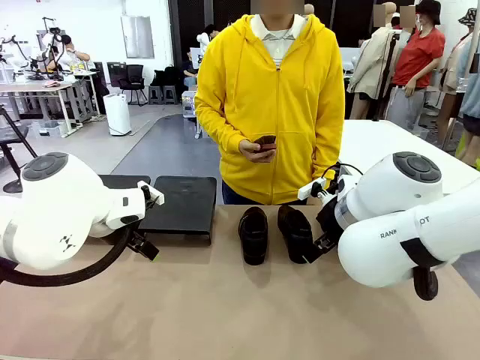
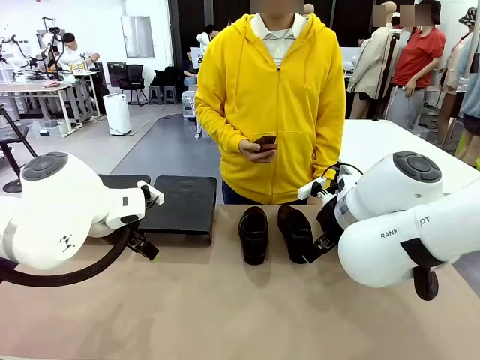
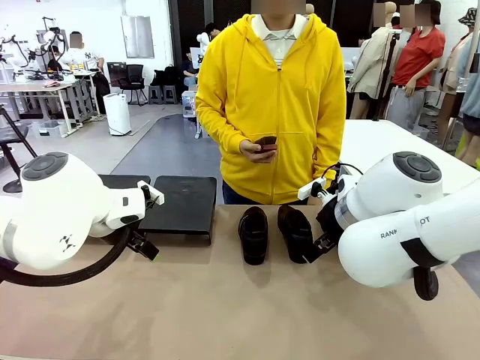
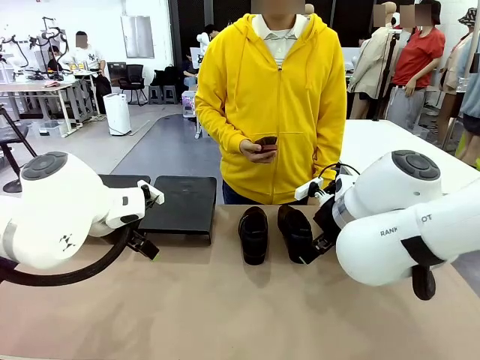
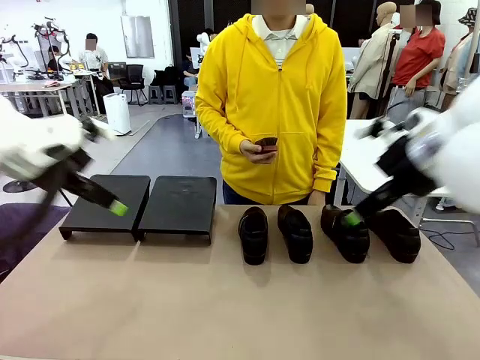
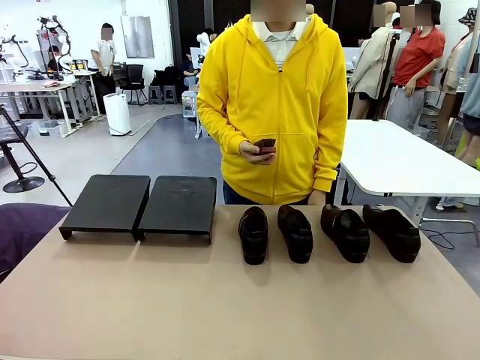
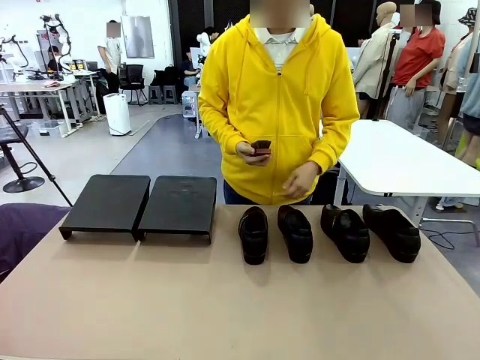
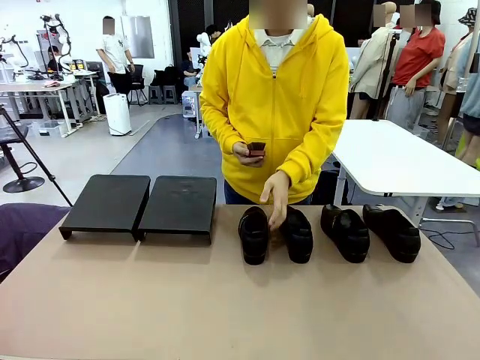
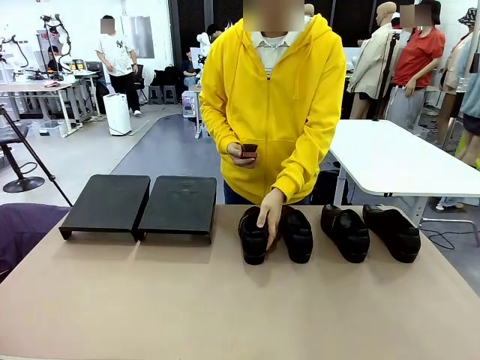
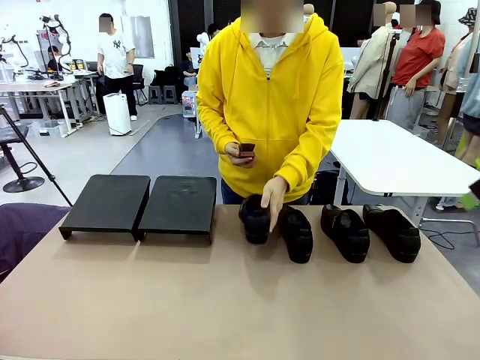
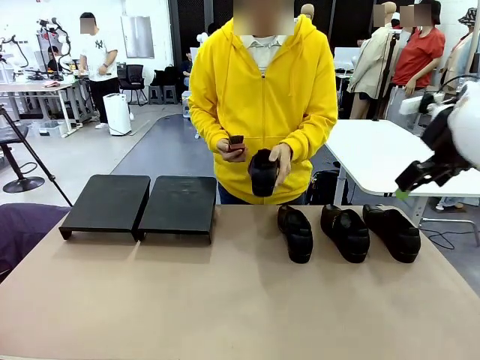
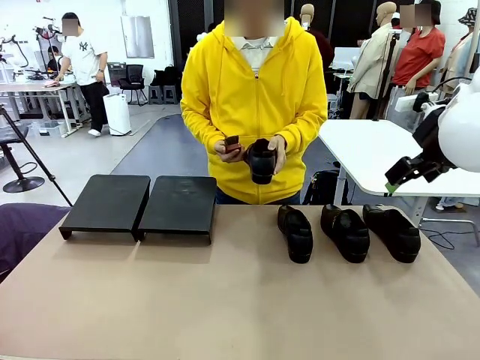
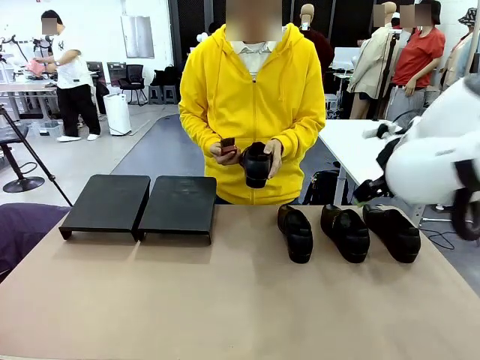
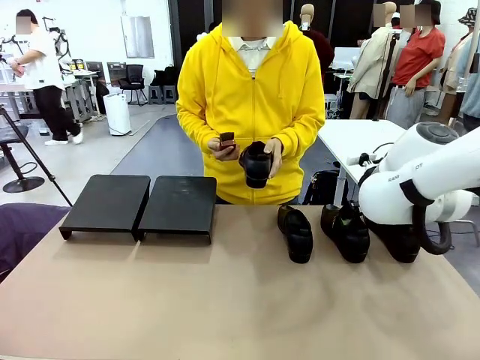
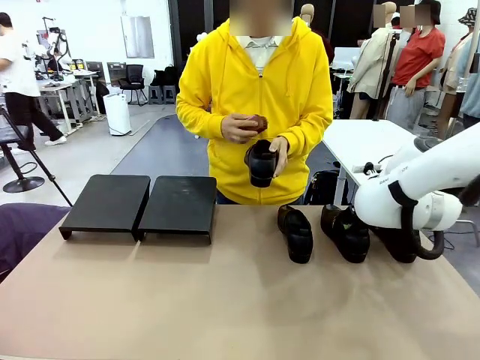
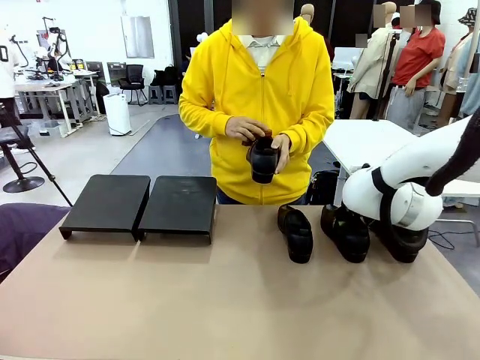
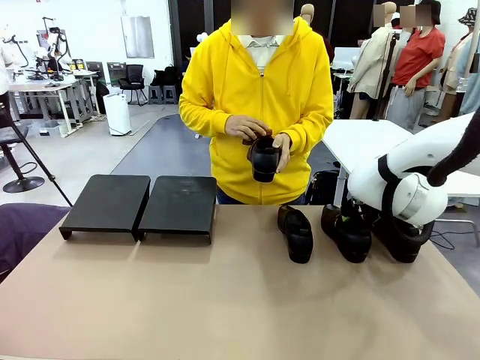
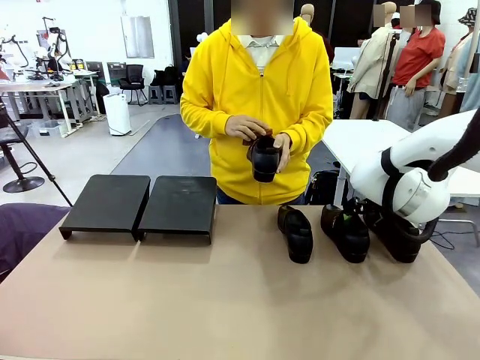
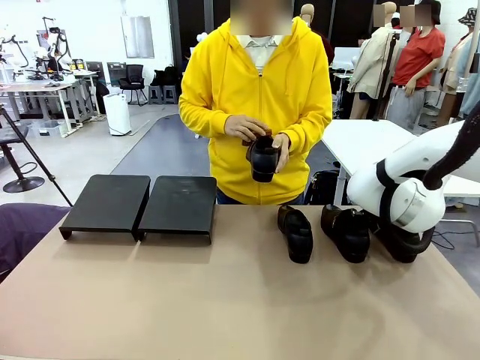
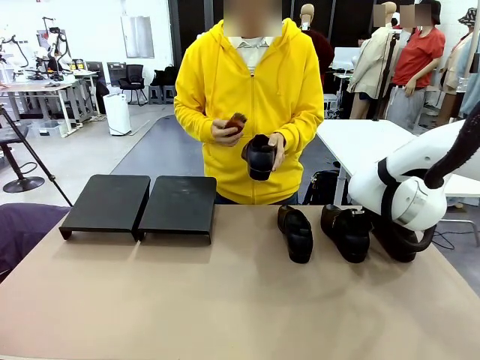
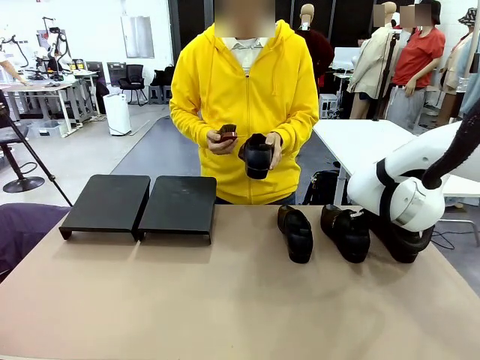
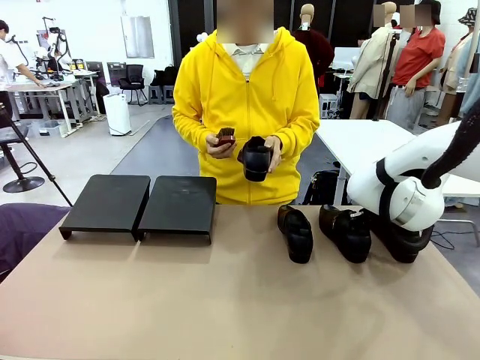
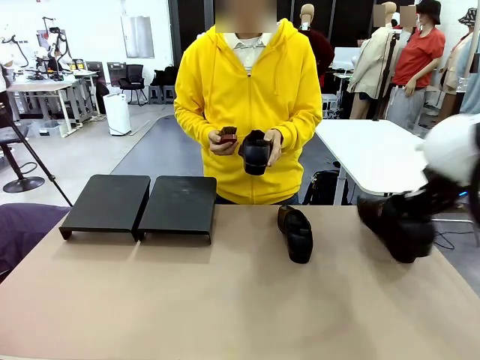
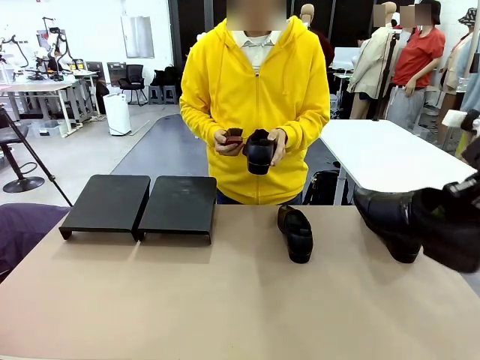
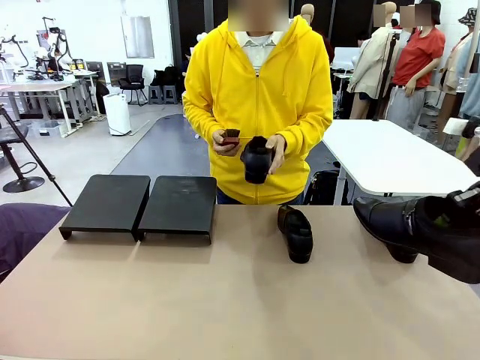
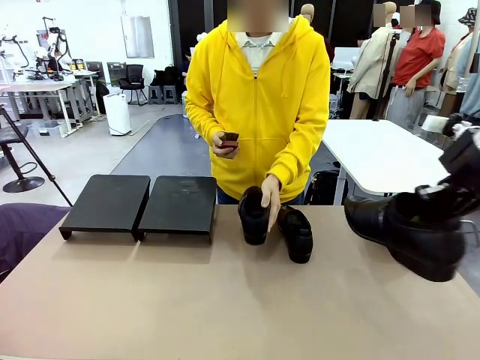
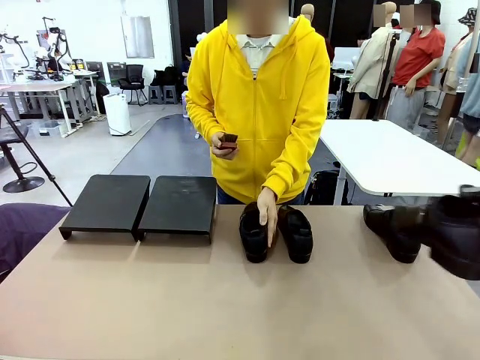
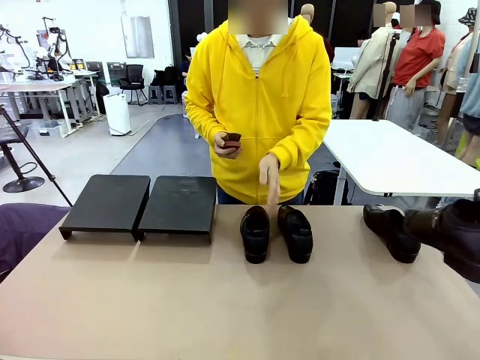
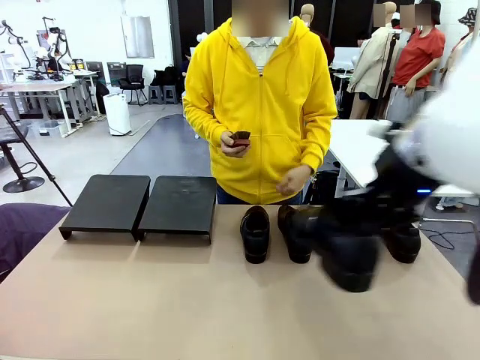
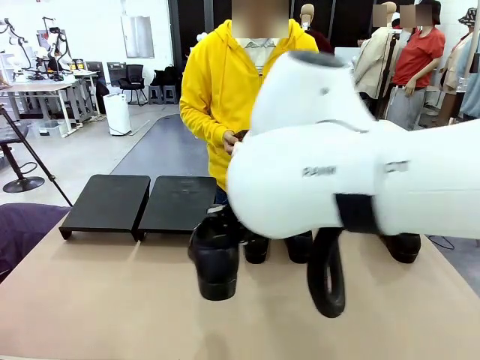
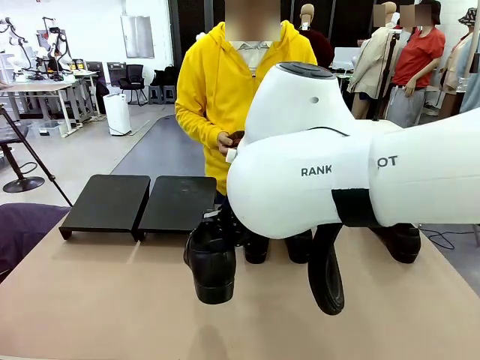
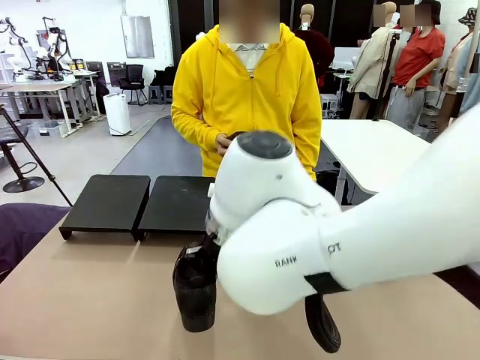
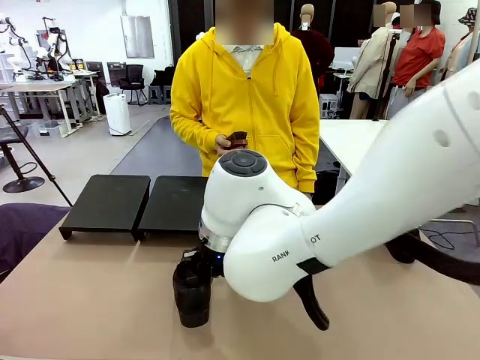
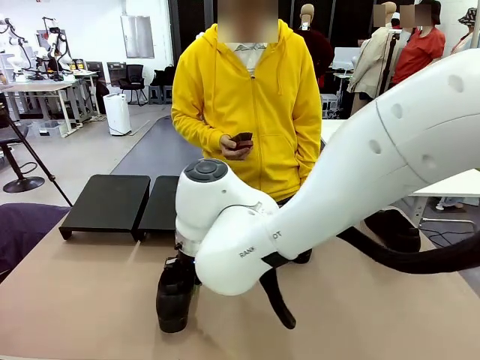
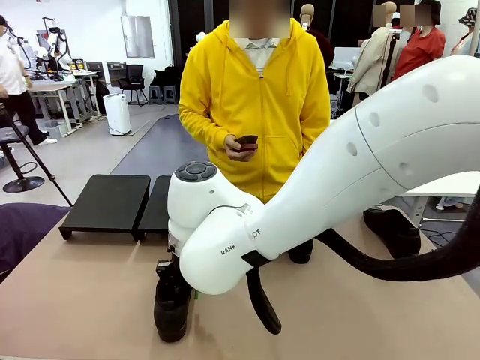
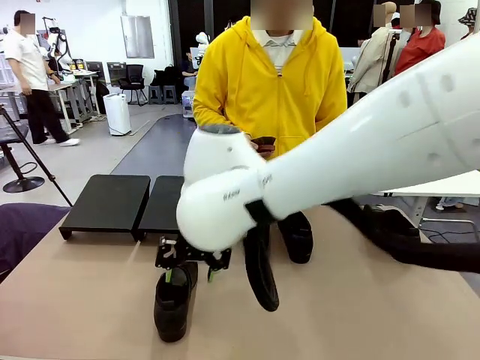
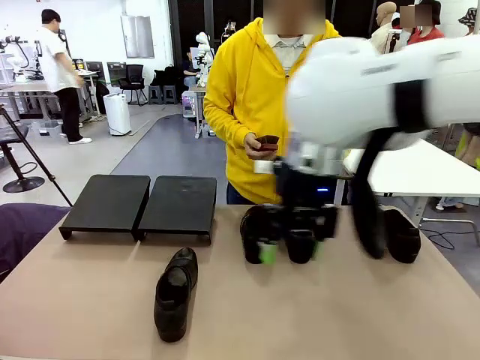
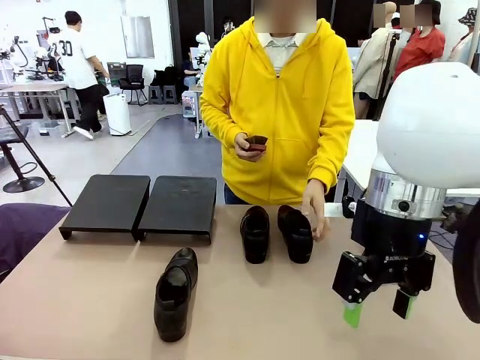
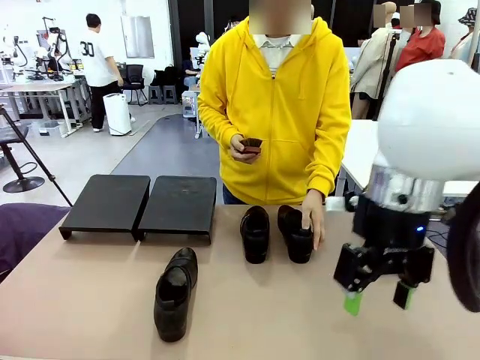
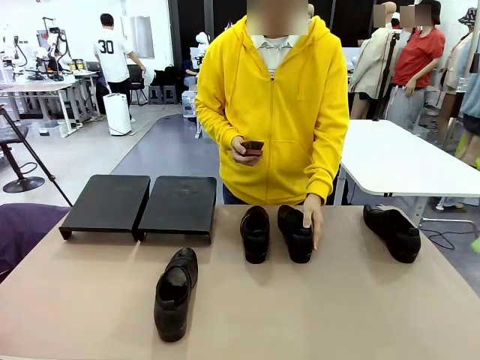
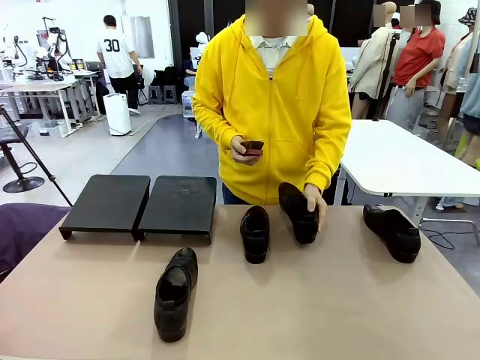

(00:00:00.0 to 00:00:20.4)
Task: Organize the shoes by placing them on the stand.
Robot: Pick up one Shoe and place it in the middle of the table.
Person: Pick one Shoe on Robot's table. Clean the Shoe with the Shoe Brush. Place the Shoe on left side of the Robot's table. Pick one Shoe on Robot's table.
